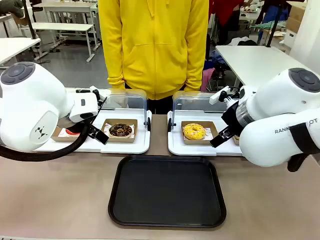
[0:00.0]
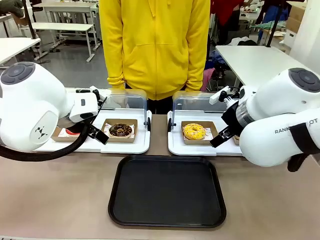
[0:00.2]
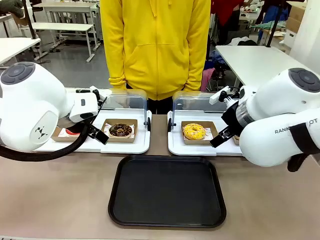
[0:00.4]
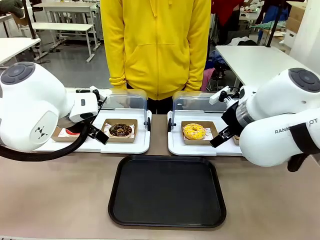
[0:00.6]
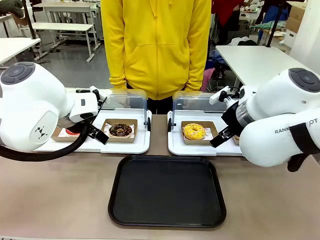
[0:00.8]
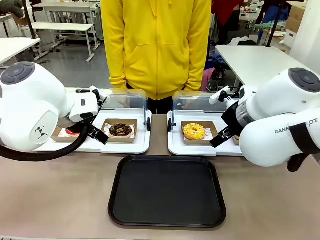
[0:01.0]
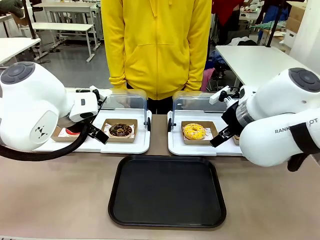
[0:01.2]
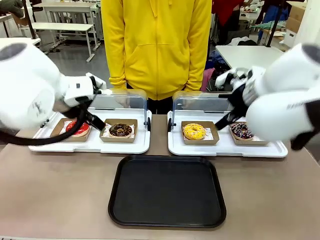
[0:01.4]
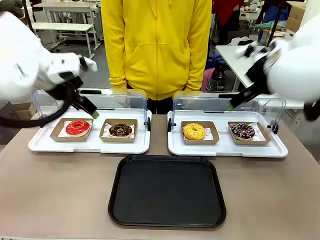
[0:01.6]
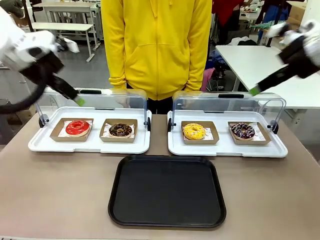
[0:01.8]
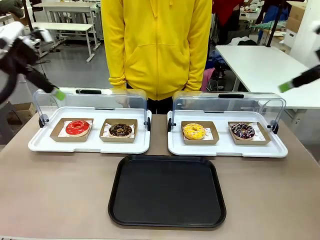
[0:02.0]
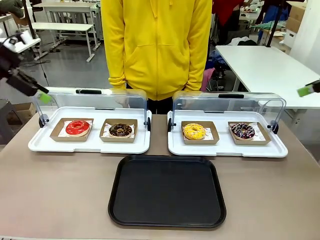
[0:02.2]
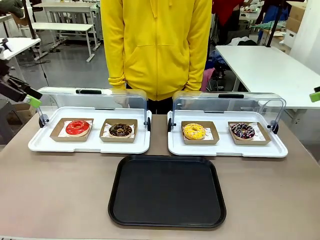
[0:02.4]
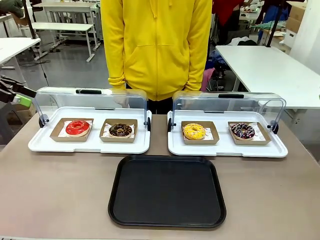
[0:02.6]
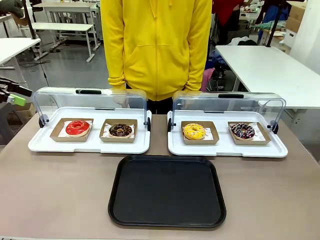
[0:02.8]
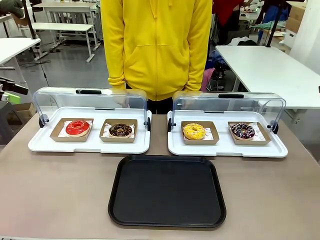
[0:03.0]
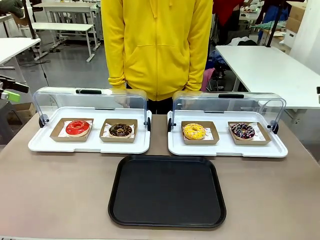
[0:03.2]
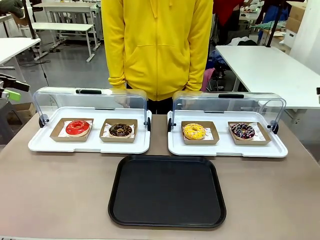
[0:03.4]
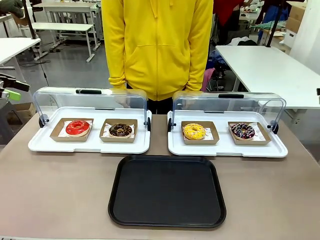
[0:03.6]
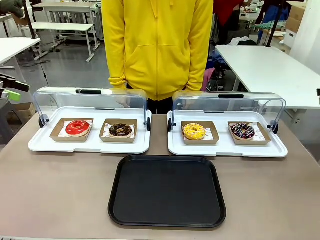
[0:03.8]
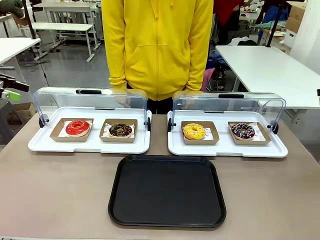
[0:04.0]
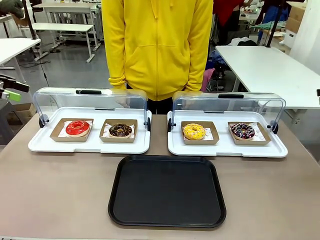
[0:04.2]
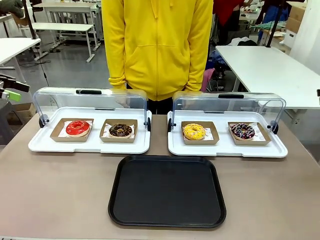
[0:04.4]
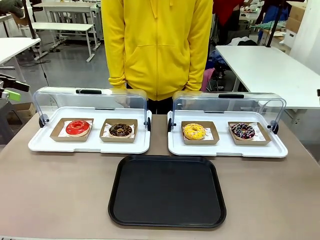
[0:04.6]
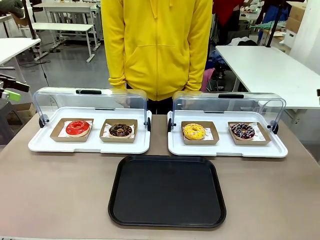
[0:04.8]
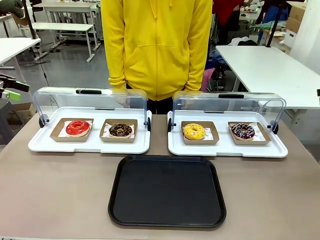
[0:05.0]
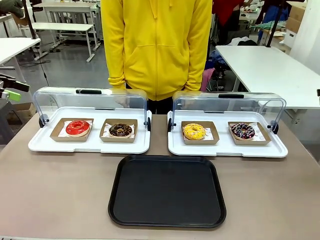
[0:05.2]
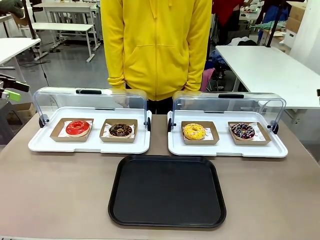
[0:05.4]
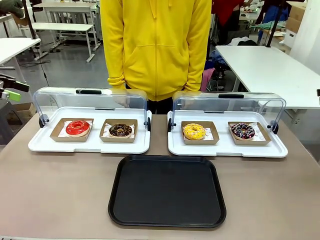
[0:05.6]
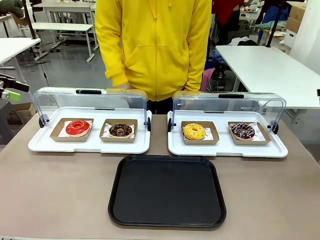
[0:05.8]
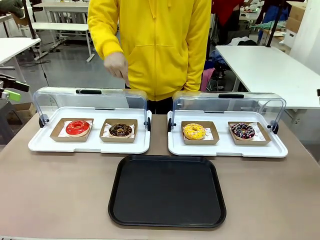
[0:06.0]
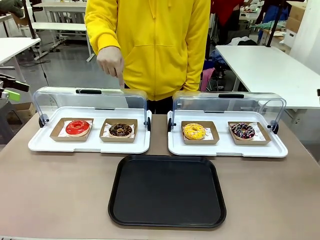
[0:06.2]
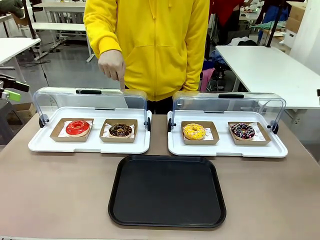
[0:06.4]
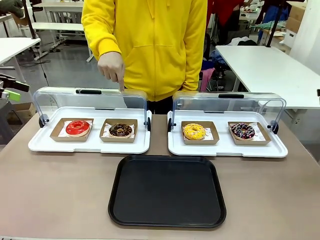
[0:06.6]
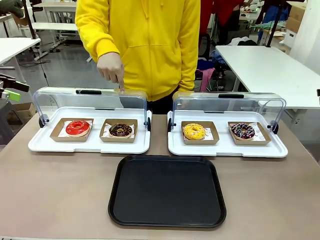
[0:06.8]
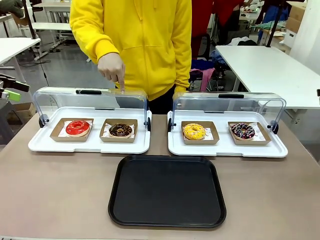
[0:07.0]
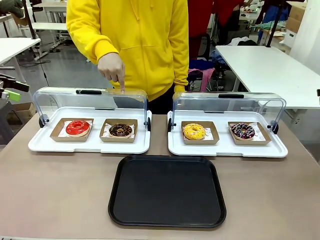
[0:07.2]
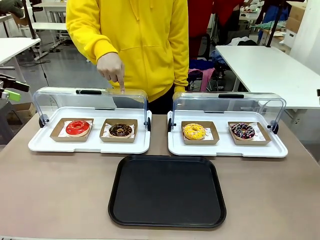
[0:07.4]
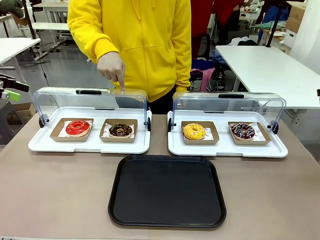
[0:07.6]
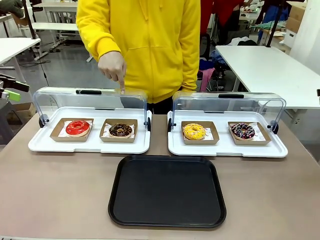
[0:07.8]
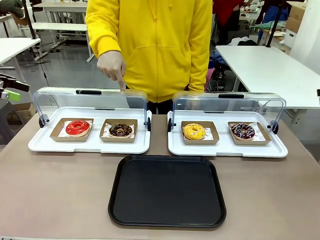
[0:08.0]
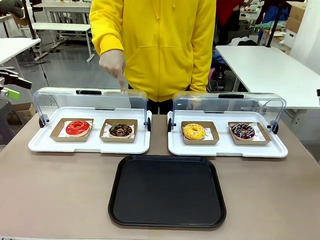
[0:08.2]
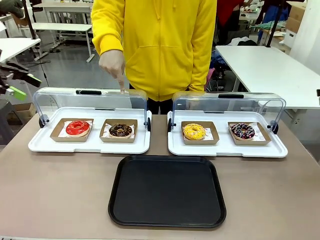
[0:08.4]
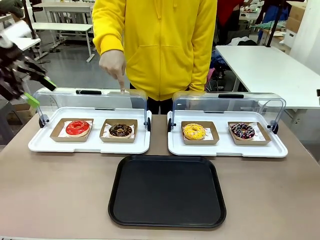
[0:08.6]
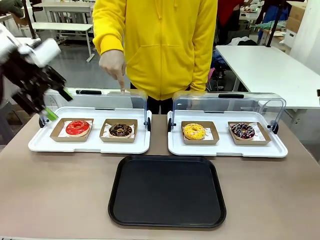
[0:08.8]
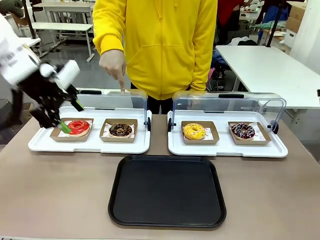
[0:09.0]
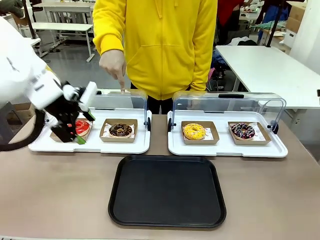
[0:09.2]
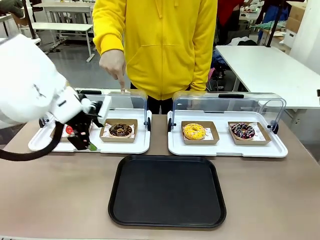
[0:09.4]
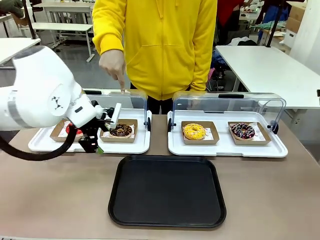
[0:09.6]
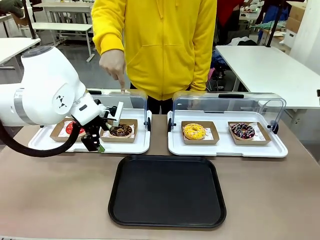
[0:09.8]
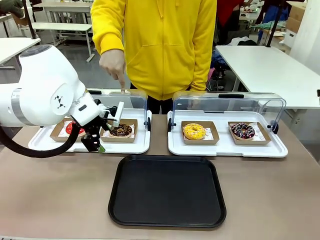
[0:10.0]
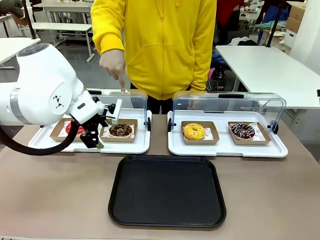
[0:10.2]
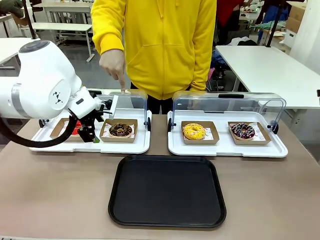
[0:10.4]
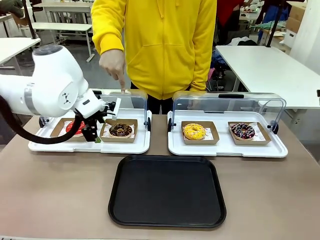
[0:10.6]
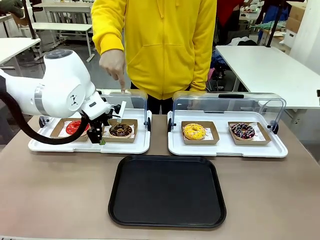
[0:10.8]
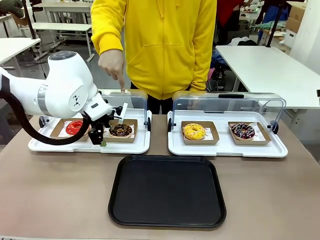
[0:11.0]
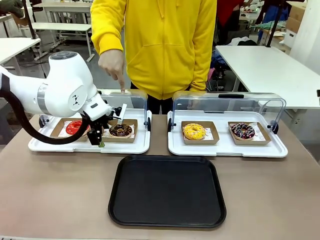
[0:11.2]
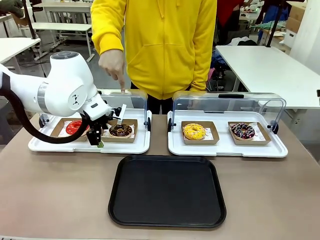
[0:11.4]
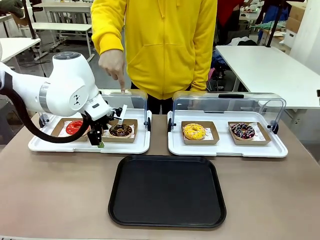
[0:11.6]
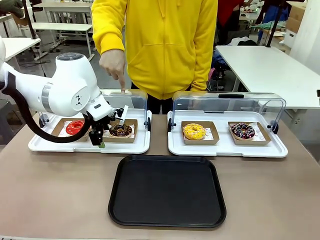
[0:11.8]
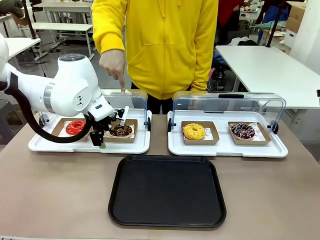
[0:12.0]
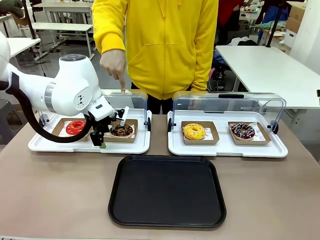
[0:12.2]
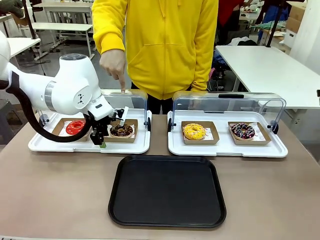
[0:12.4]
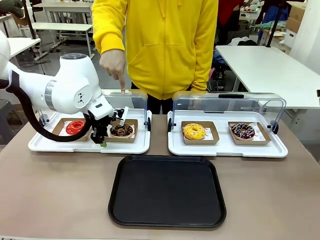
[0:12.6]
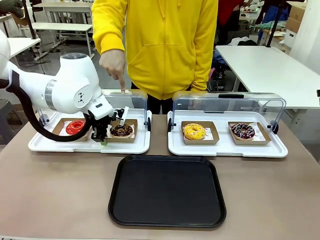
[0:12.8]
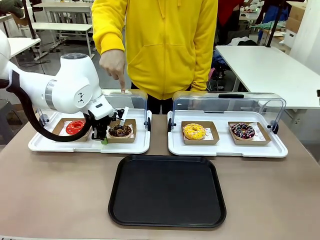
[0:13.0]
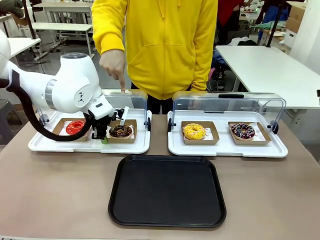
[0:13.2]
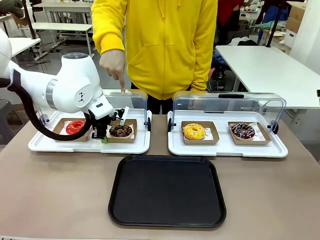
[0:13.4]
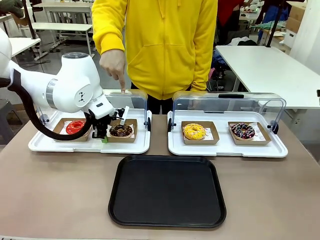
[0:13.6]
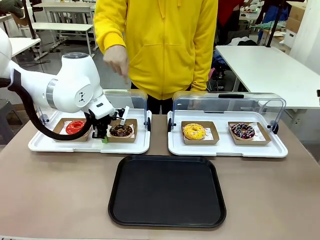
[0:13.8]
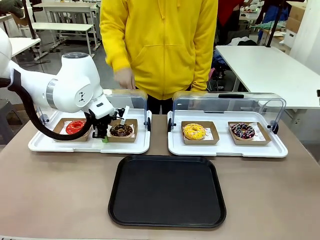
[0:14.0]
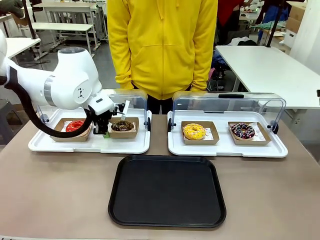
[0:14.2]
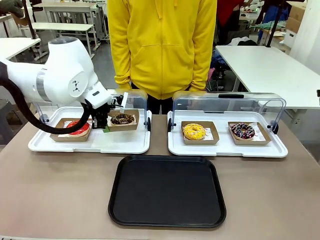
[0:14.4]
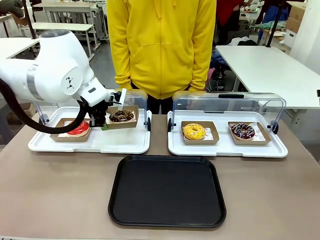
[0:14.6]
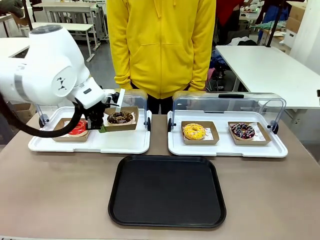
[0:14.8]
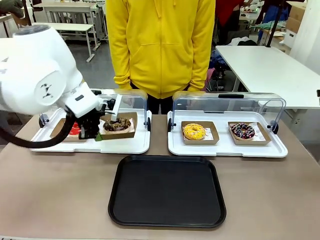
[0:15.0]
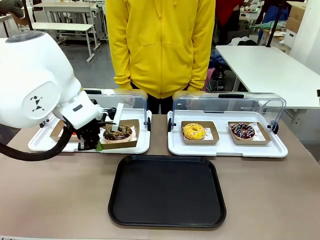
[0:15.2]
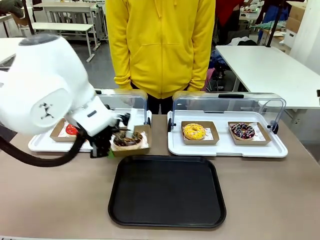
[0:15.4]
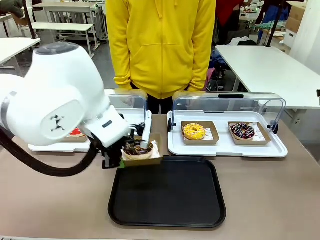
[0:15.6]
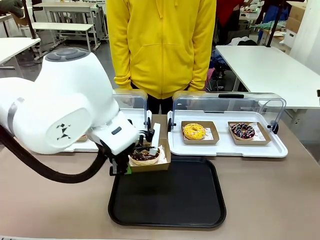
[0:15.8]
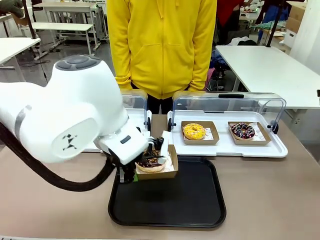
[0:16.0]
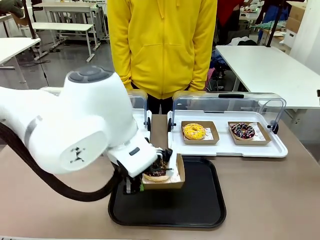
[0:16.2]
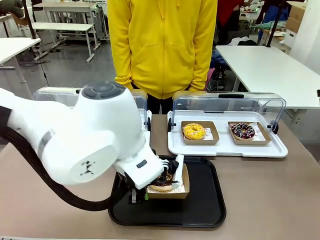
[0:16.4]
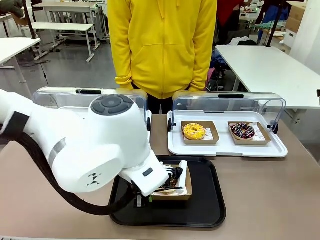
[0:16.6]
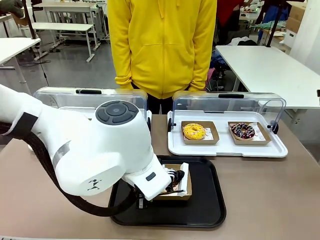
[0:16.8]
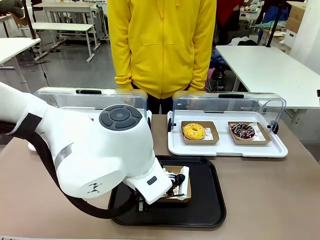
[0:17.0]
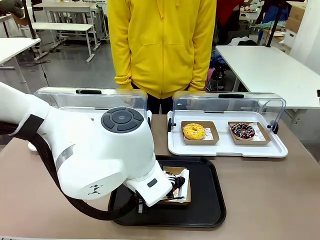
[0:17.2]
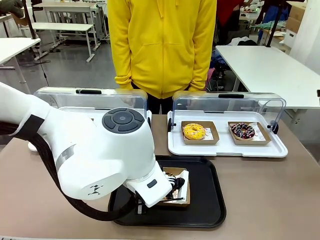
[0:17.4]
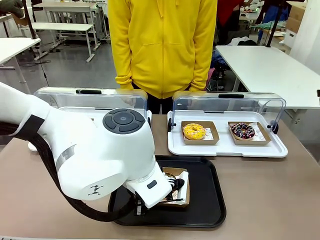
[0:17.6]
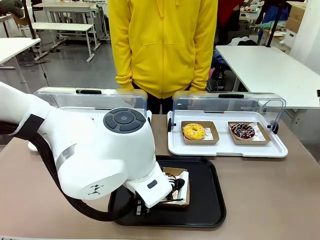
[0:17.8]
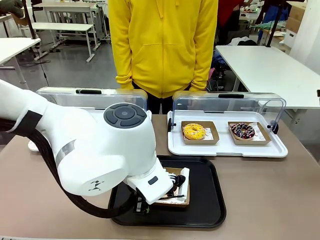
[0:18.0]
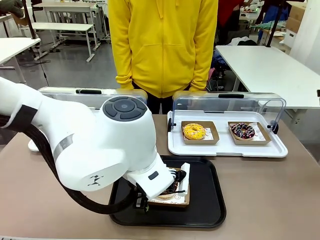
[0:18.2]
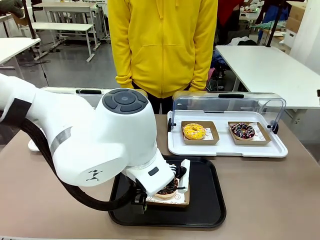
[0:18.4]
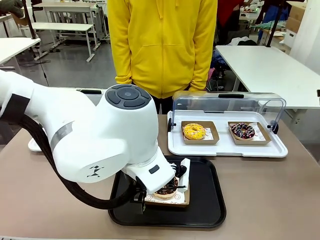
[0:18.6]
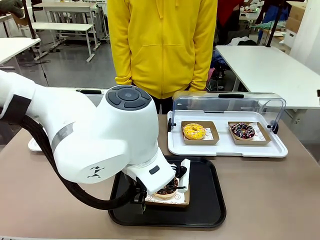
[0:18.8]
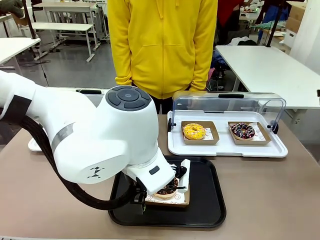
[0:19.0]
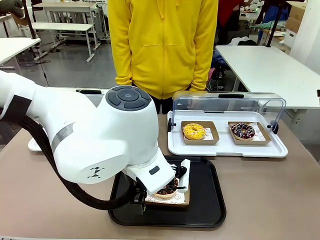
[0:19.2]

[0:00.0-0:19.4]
Task: Move the second donut from the left to the tray.
Robot: Pick up the Paper togo box containing the Donut indicated by the person and place it on the Handle tray.
Person: Points to the second donut from the left from the robot’s perspective.
